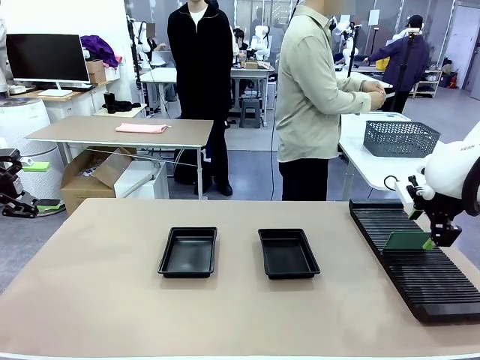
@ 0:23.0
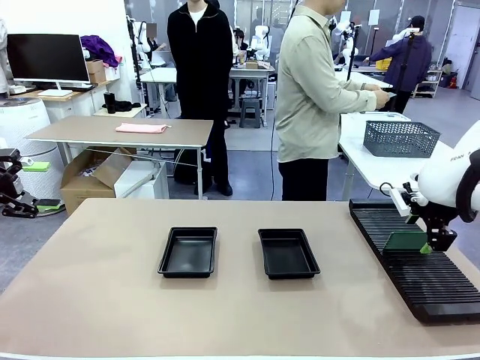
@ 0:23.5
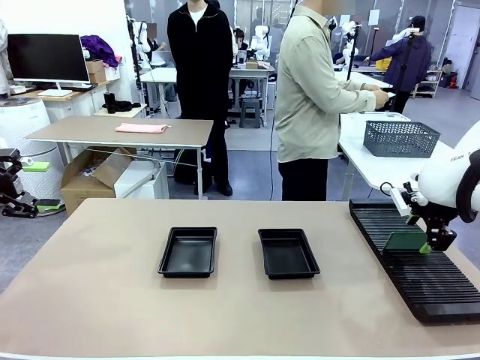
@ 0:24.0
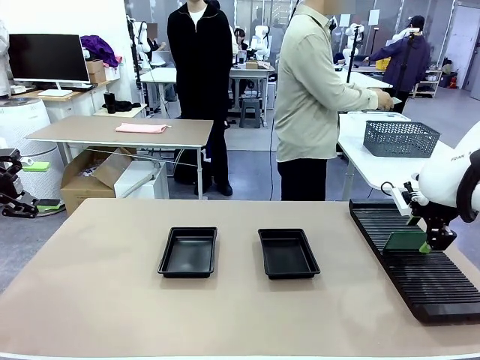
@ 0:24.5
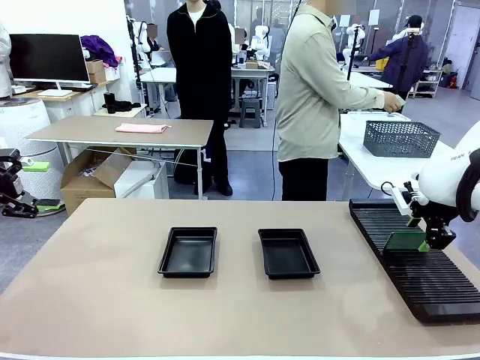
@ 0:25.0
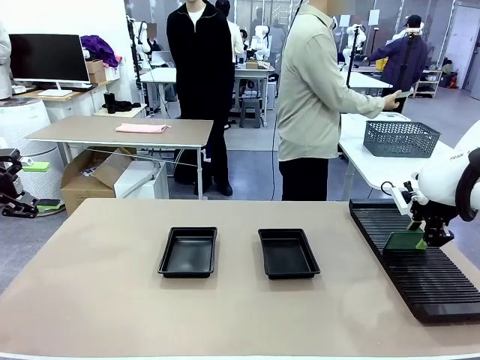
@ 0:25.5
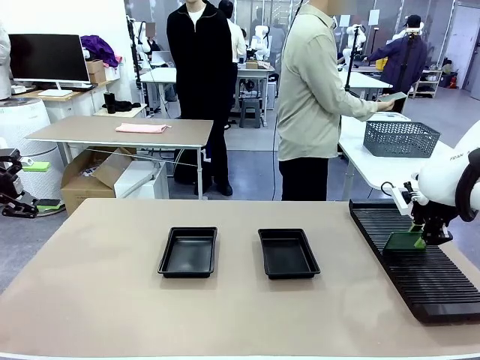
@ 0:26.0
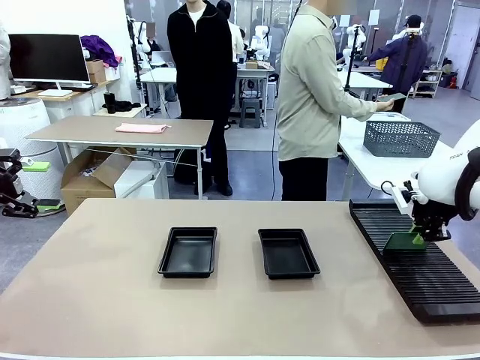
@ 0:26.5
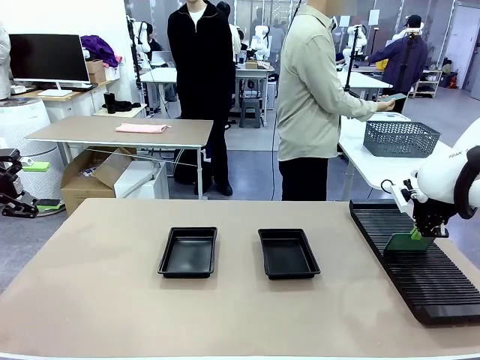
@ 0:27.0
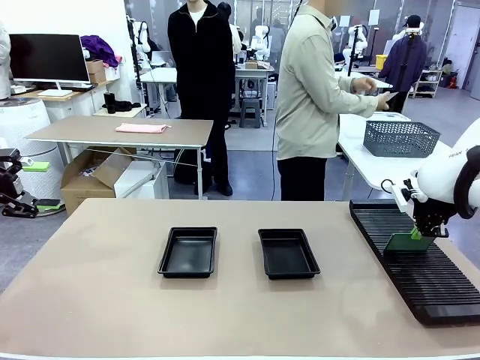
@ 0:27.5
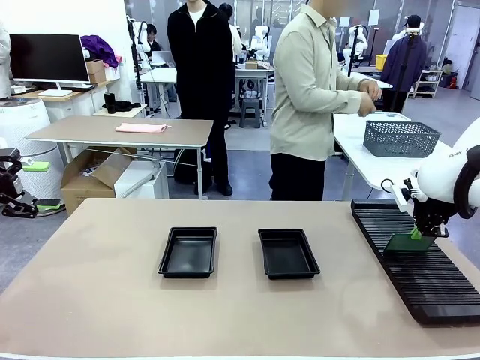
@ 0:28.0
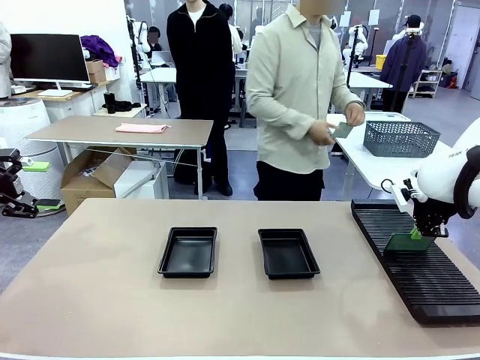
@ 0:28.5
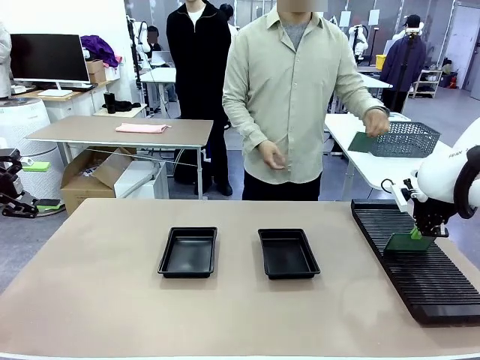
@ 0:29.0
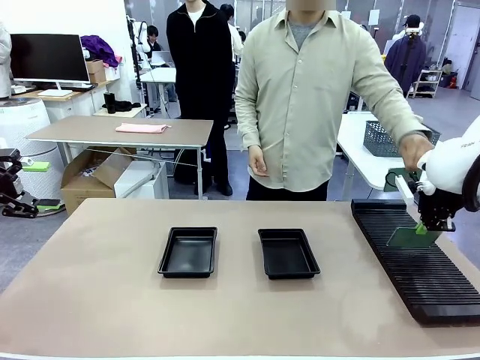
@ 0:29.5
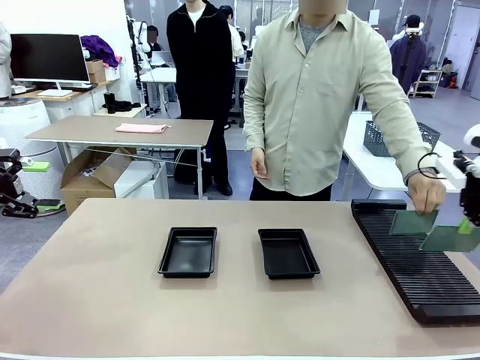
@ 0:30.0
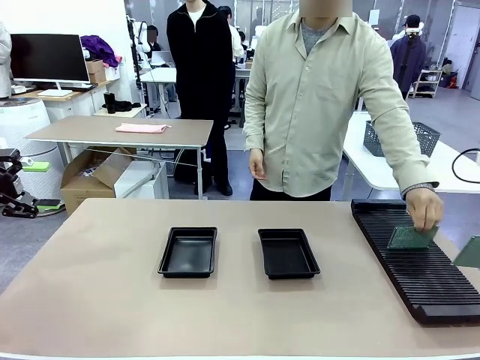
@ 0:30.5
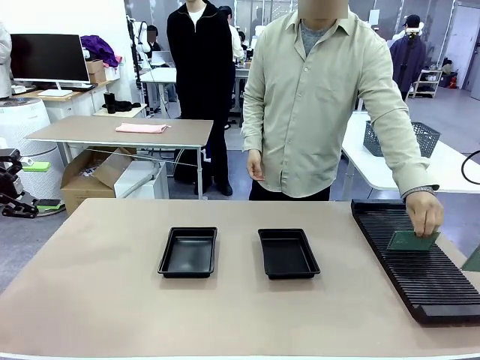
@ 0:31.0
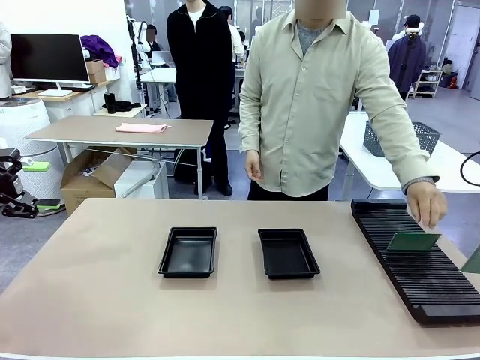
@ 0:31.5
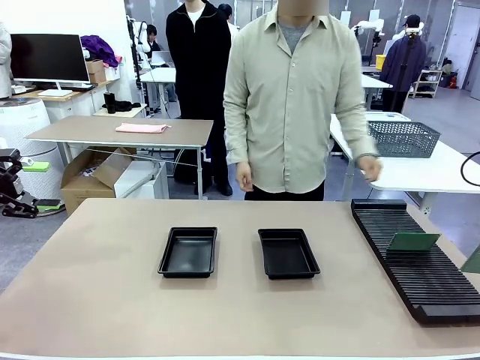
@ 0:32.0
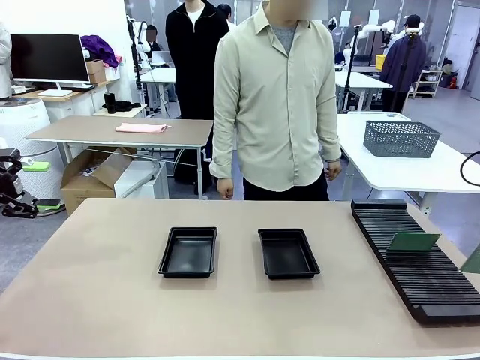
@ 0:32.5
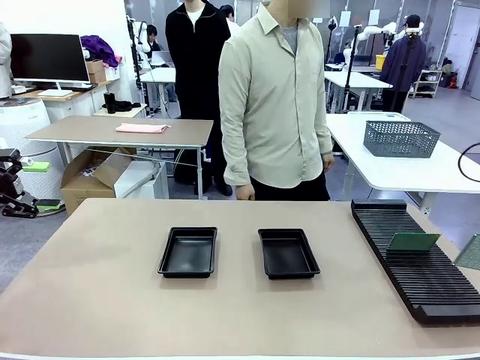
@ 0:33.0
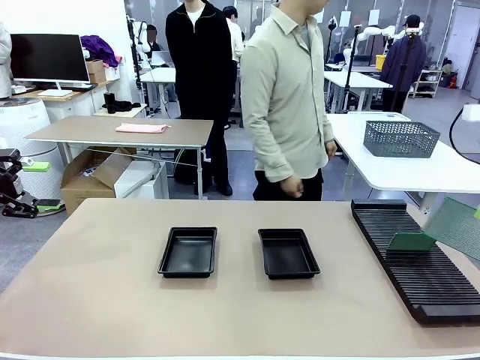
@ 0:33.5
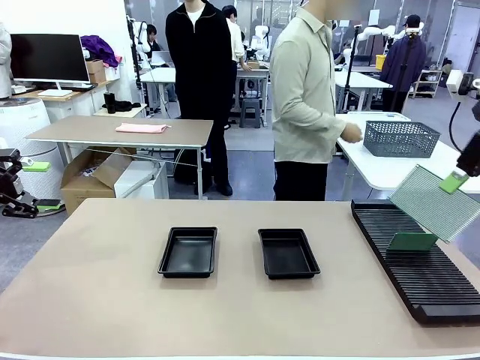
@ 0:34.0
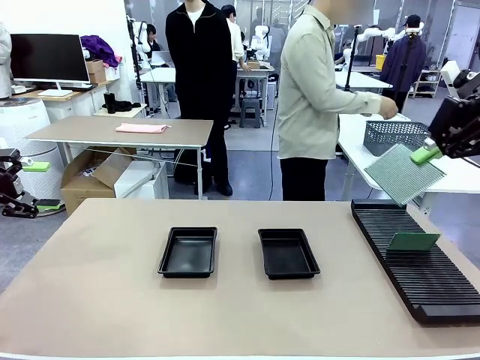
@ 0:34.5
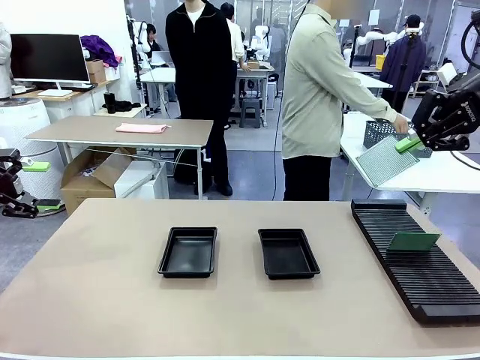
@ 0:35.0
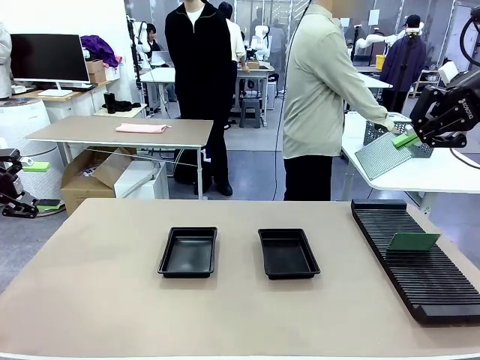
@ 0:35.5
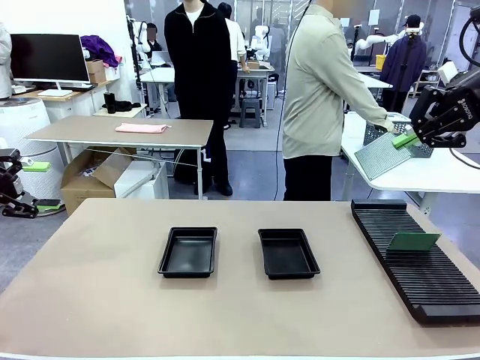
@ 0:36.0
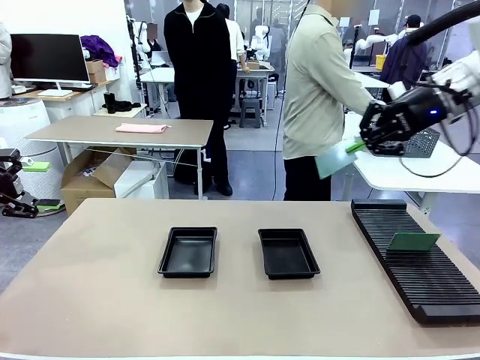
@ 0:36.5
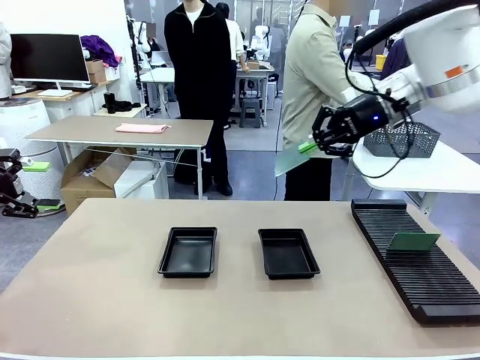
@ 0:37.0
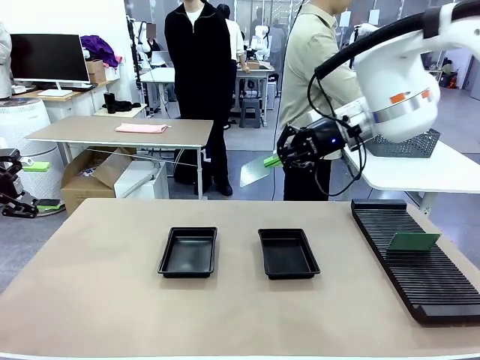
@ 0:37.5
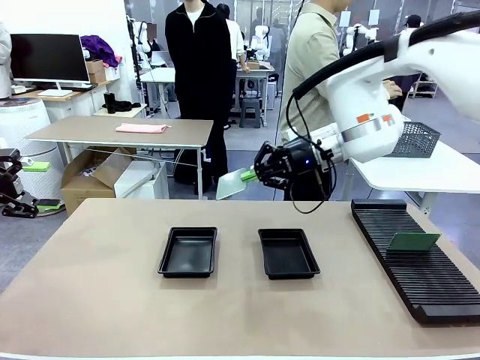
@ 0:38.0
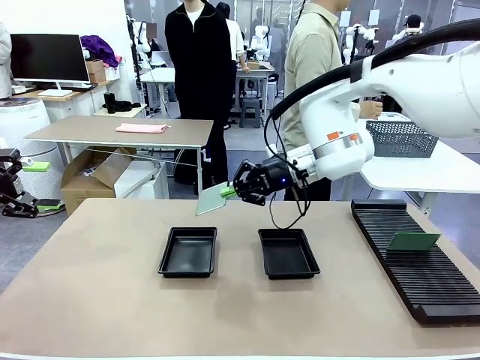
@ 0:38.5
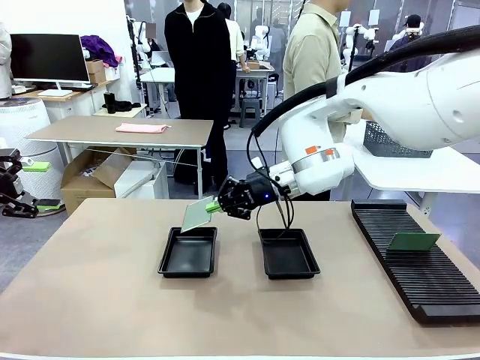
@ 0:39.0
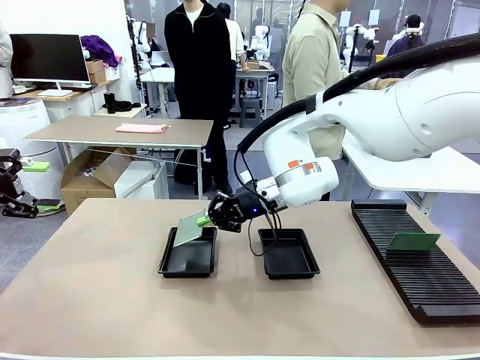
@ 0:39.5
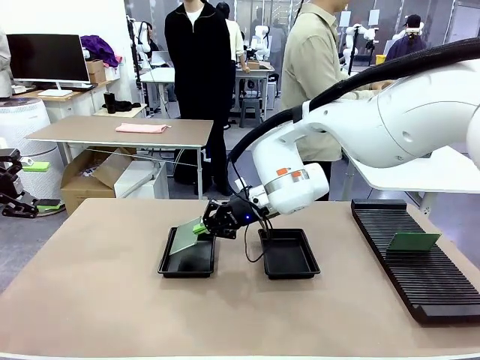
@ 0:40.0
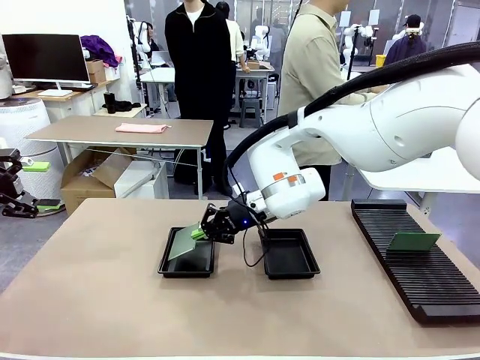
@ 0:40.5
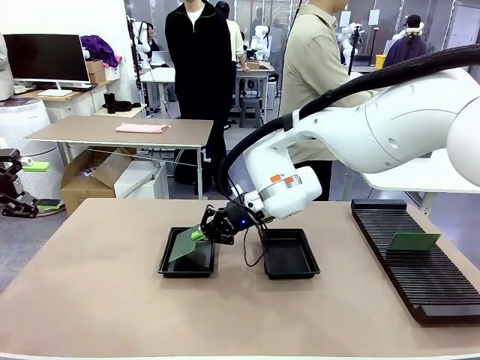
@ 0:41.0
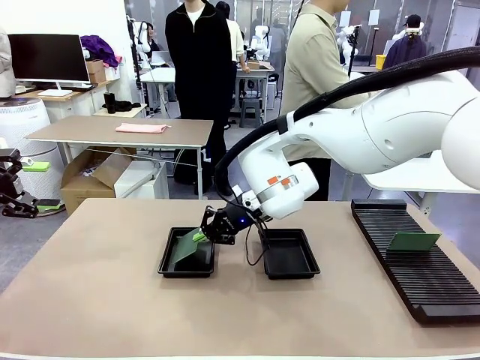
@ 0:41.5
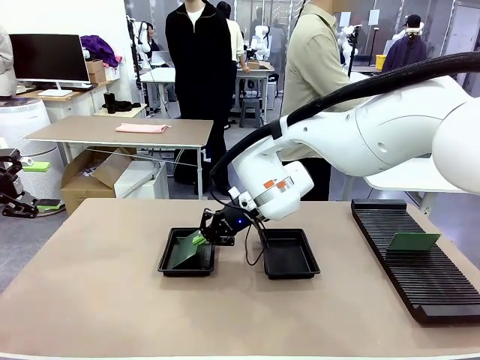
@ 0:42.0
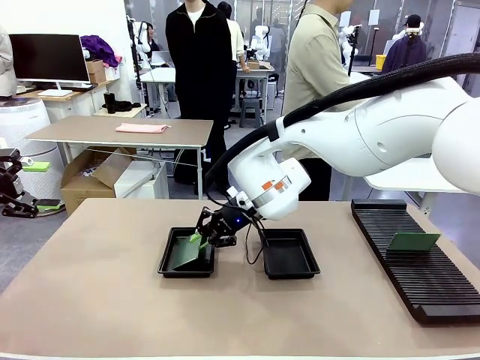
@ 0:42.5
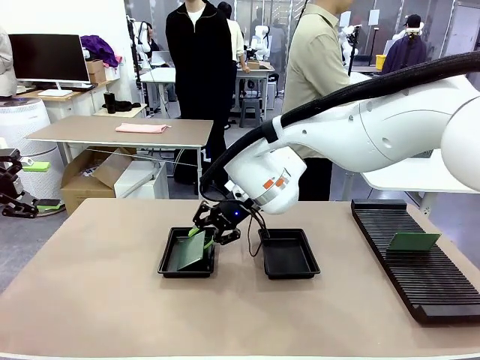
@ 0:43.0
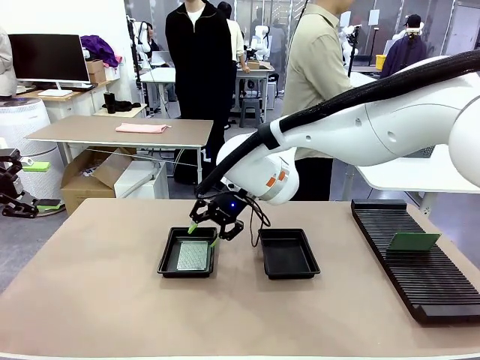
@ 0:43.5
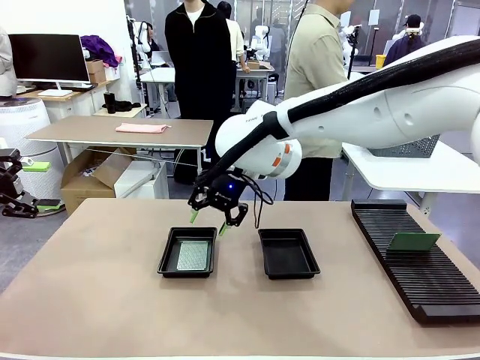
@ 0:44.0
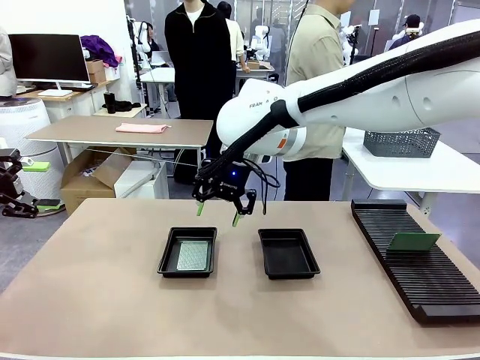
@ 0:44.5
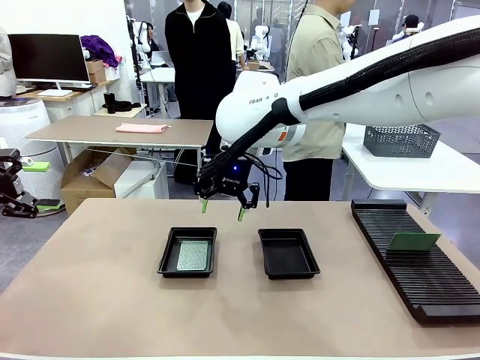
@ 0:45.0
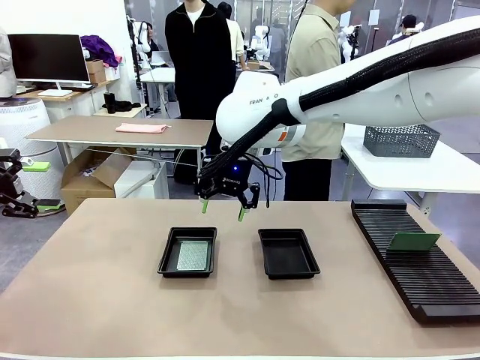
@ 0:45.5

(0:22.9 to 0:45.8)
Task: Inspect and transfer BCBs to ESD trays.
Robot: Pick up the Blank PCB from the PCB Rack and place it in the left ESD tray.
